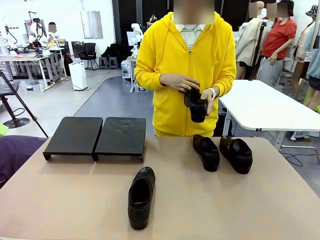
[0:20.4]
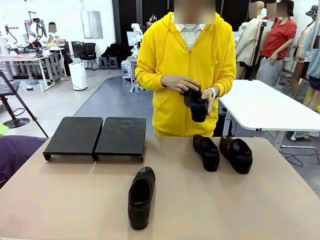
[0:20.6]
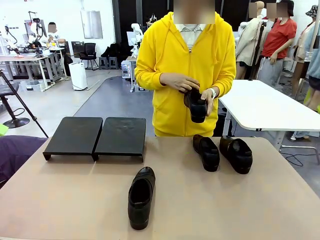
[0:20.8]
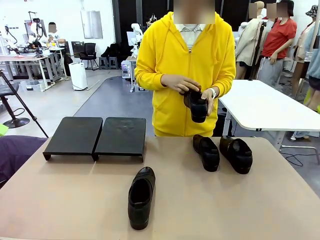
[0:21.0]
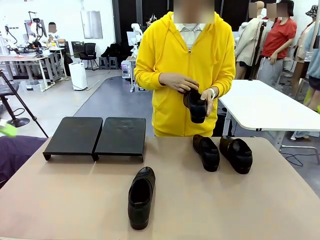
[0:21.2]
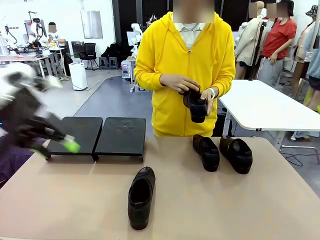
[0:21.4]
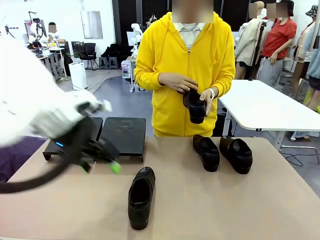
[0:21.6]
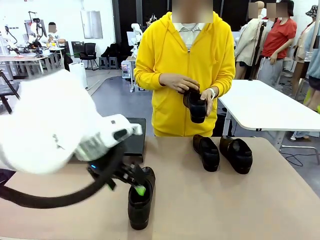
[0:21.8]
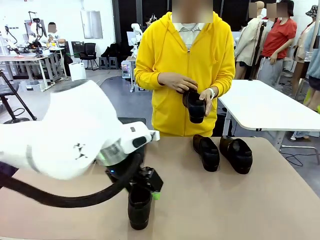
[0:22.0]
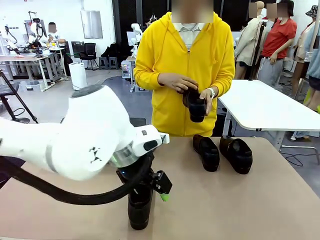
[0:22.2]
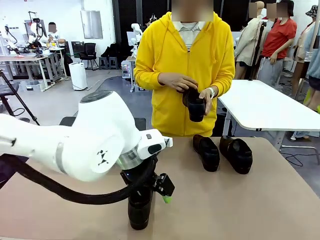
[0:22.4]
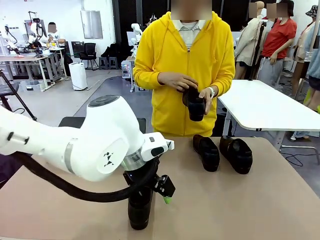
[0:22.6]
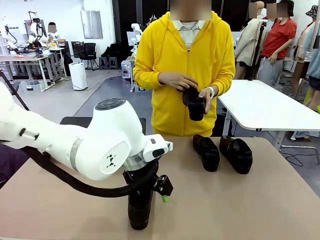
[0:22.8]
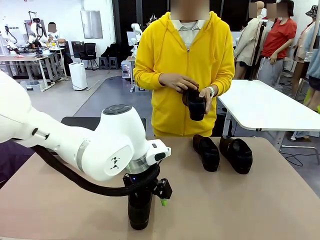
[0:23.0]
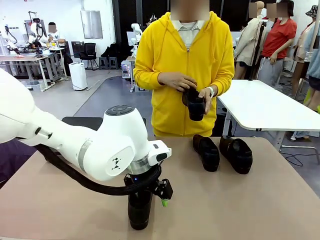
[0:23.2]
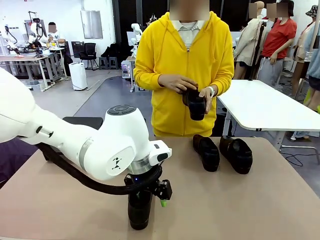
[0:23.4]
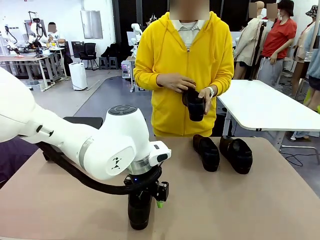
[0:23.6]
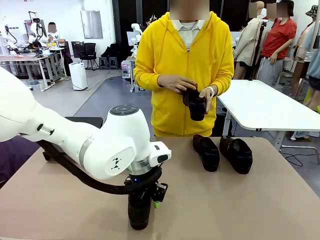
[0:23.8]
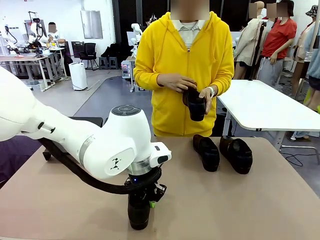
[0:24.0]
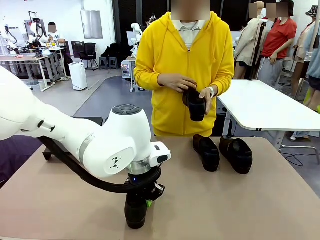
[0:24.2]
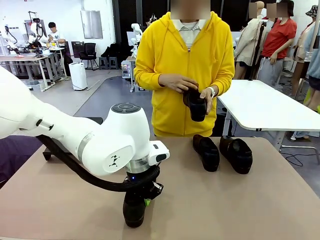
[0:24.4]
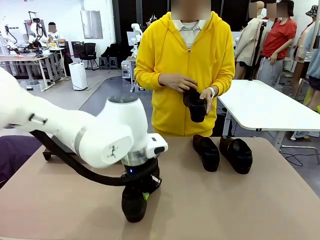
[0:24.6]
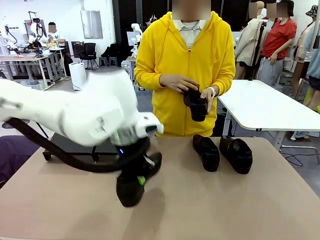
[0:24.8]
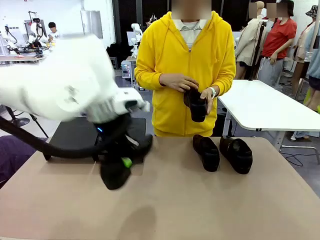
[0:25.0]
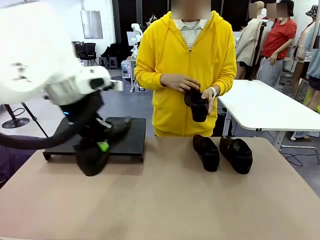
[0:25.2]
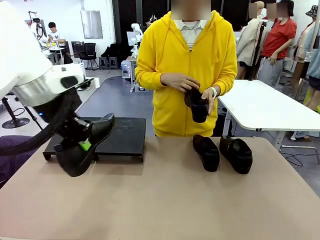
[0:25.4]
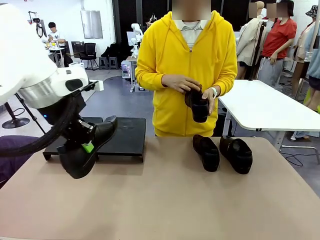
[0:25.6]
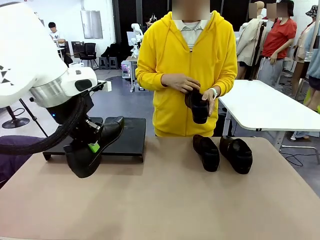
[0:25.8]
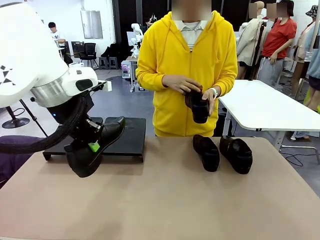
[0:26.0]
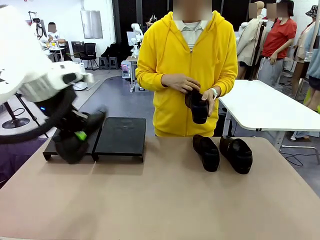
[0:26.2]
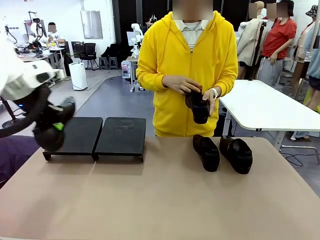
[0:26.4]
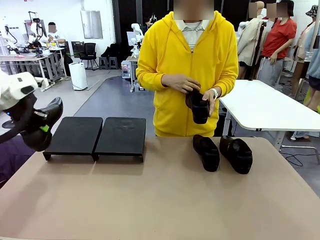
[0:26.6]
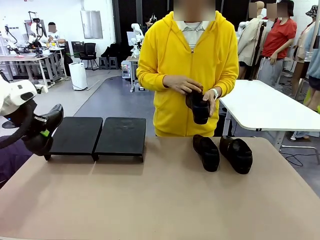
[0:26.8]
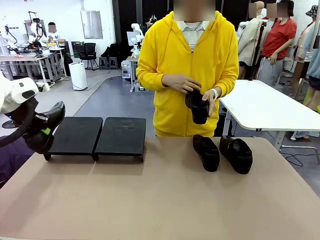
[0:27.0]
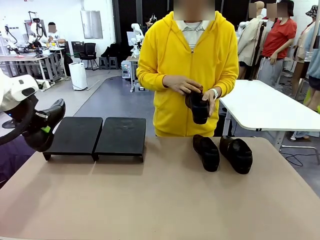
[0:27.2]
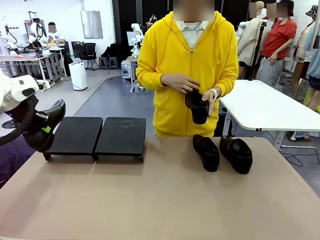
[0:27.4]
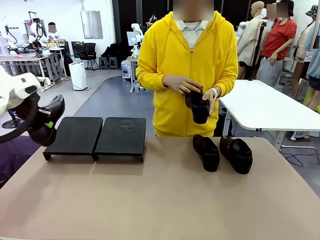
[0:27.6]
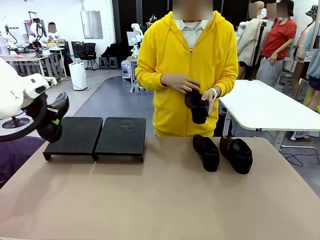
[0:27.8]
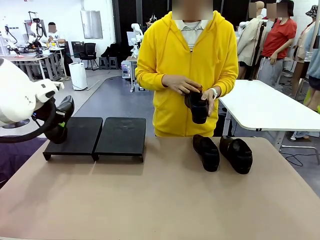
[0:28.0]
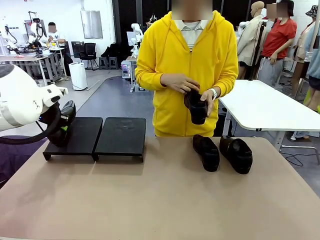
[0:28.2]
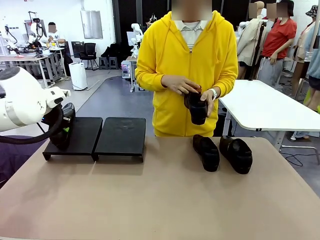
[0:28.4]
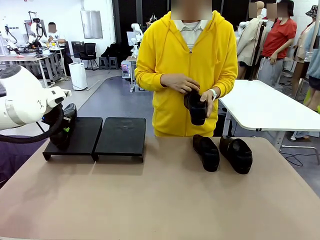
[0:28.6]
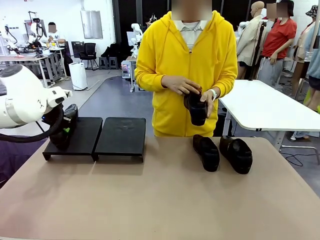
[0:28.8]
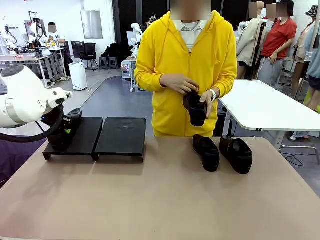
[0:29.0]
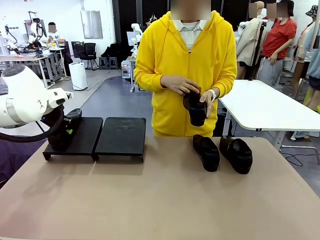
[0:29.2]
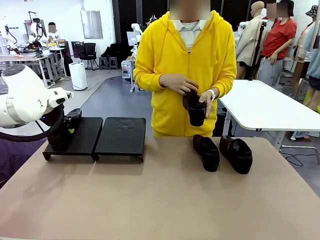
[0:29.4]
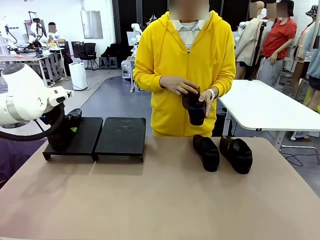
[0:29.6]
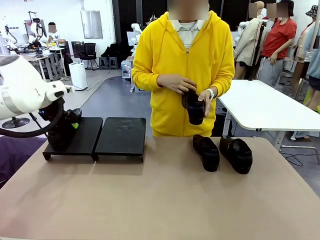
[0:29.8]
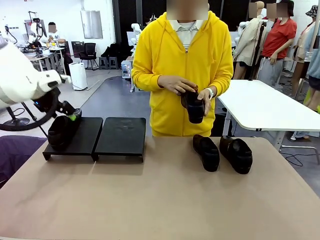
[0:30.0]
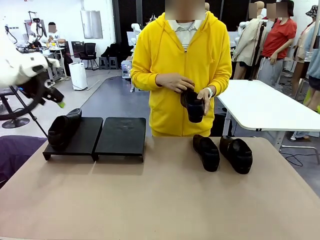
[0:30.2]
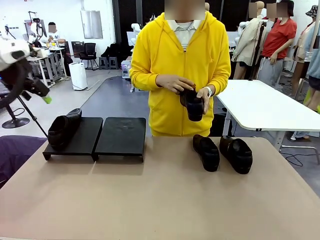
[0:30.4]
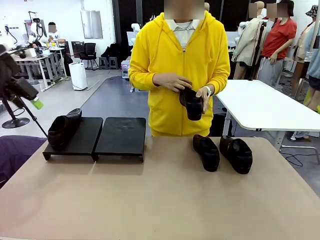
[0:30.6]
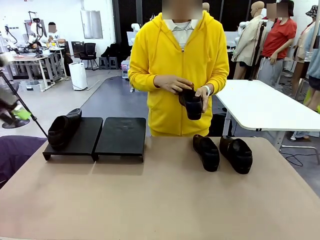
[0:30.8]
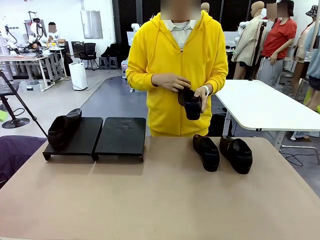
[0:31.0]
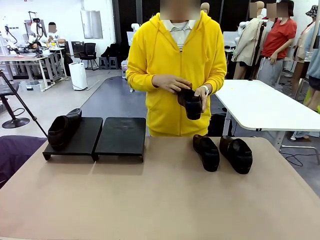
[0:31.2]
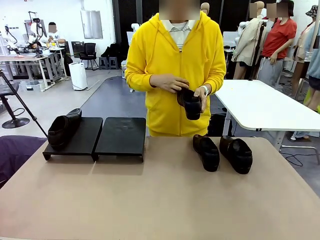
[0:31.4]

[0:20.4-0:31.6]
Task: Organize the shoes by placing them on the stand.
Robot: Place the Shoe from the middle of the table onto the Shoes Stand.
Person: Clean the Shoe with the Shoe Brush.

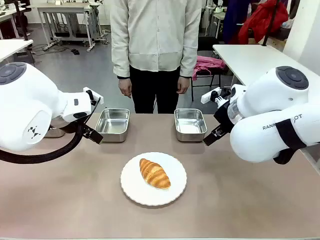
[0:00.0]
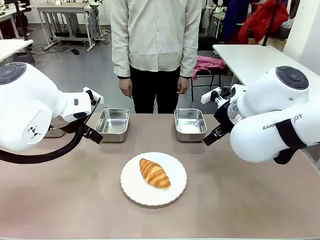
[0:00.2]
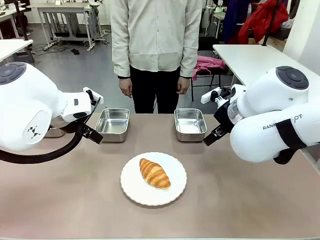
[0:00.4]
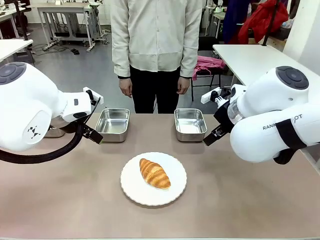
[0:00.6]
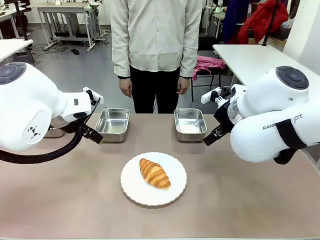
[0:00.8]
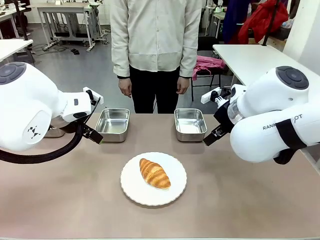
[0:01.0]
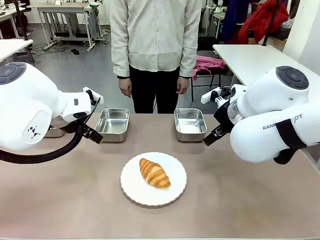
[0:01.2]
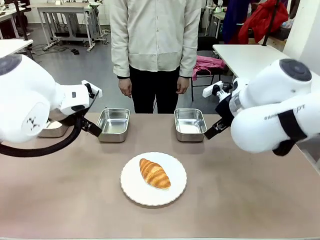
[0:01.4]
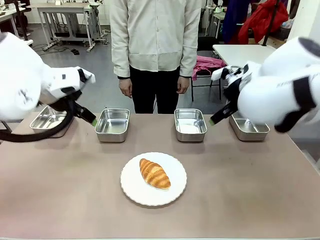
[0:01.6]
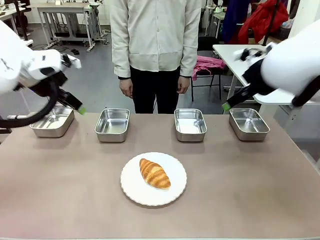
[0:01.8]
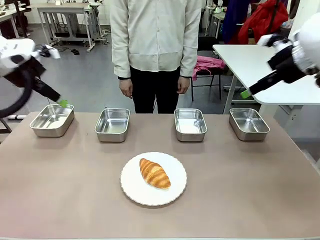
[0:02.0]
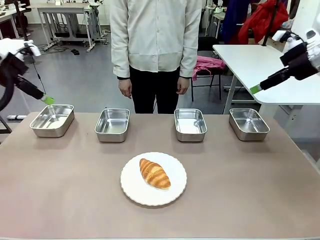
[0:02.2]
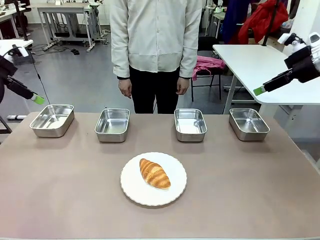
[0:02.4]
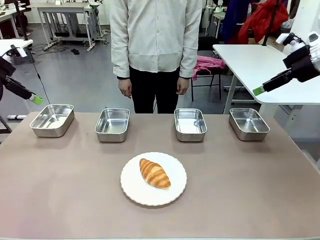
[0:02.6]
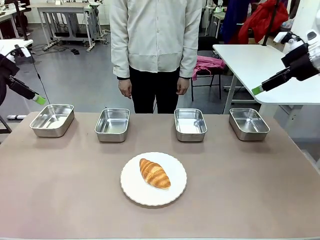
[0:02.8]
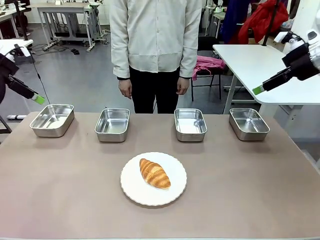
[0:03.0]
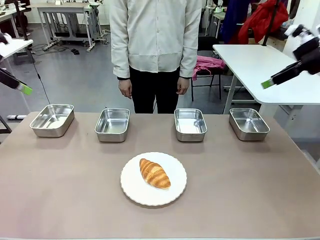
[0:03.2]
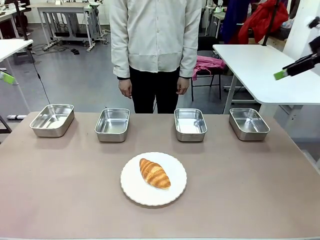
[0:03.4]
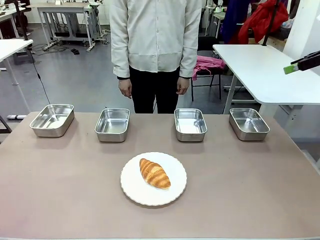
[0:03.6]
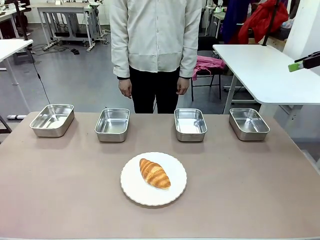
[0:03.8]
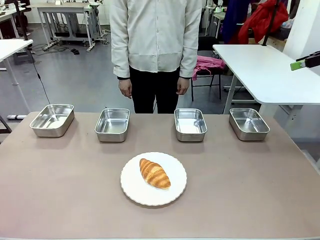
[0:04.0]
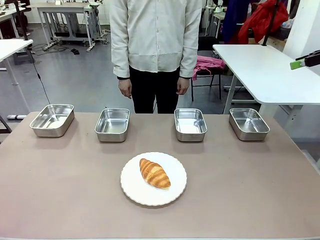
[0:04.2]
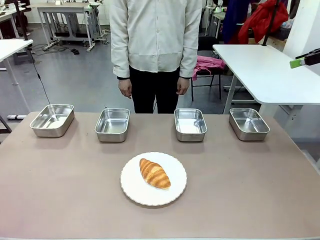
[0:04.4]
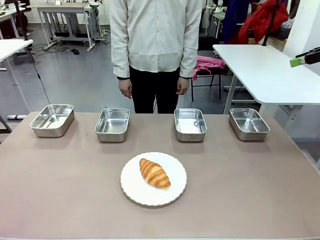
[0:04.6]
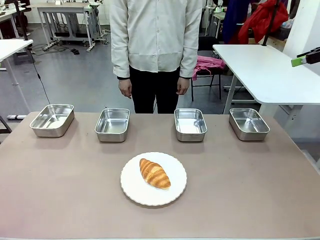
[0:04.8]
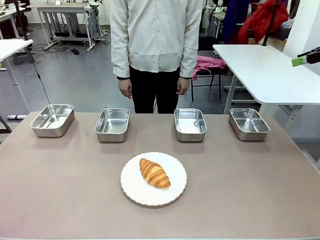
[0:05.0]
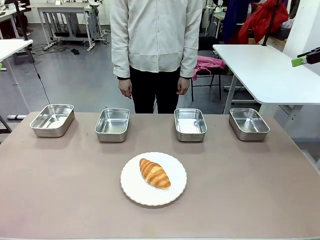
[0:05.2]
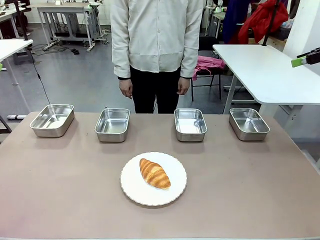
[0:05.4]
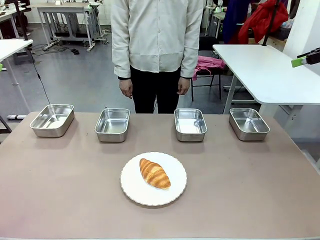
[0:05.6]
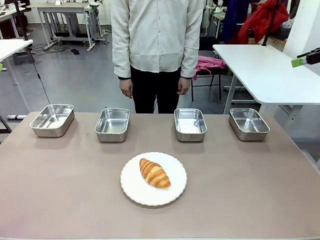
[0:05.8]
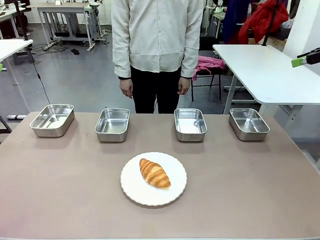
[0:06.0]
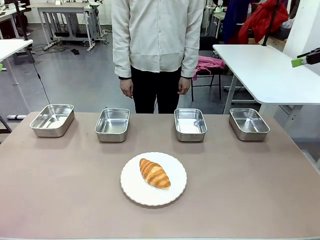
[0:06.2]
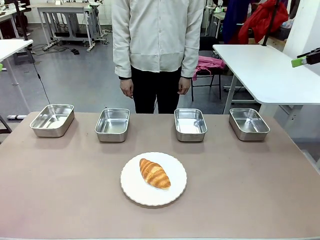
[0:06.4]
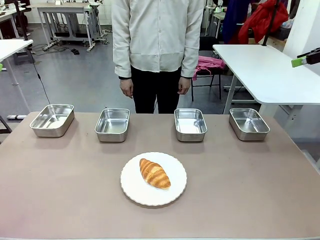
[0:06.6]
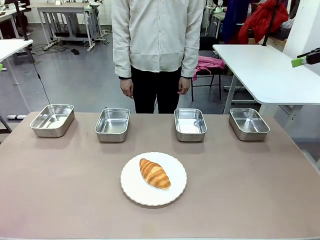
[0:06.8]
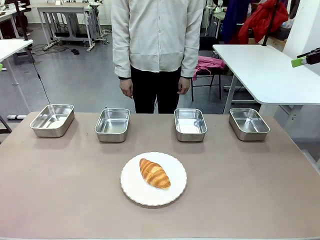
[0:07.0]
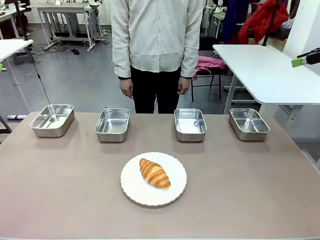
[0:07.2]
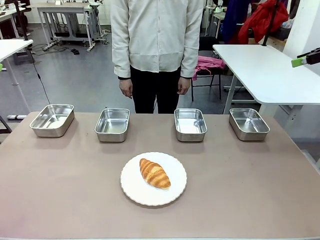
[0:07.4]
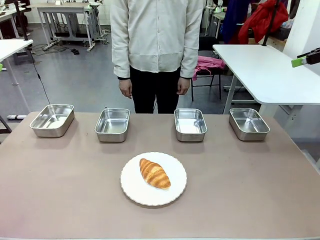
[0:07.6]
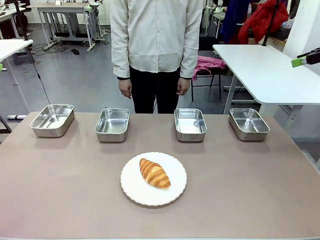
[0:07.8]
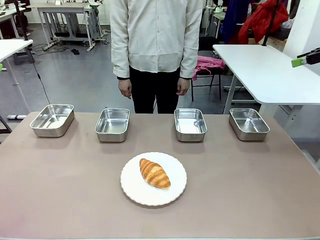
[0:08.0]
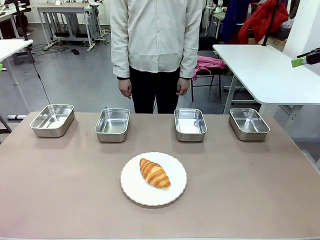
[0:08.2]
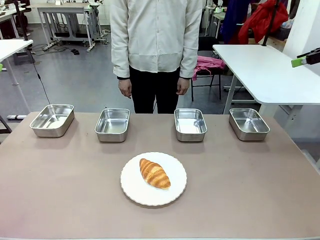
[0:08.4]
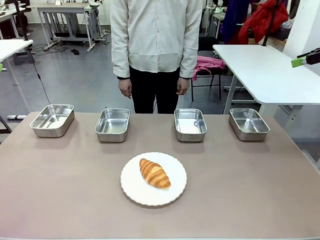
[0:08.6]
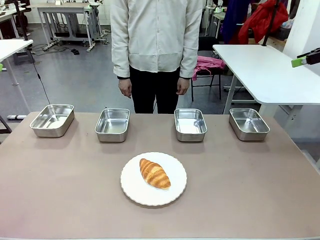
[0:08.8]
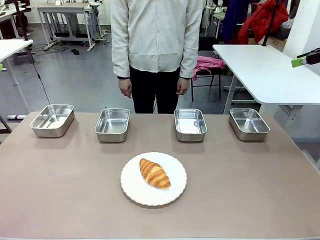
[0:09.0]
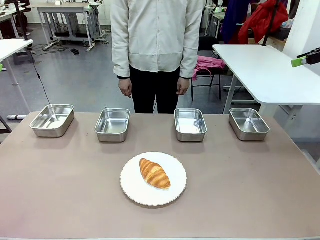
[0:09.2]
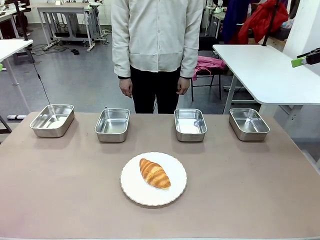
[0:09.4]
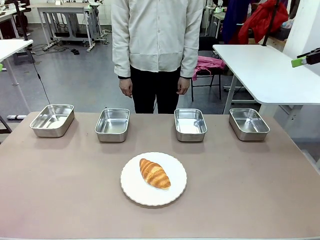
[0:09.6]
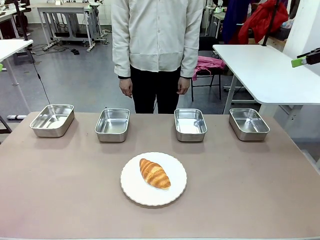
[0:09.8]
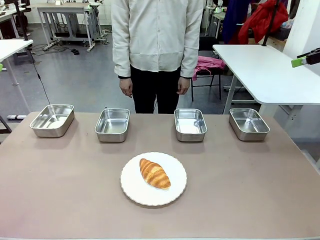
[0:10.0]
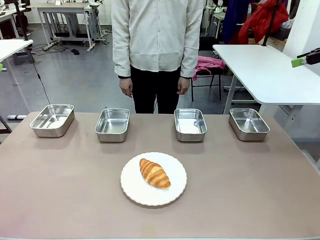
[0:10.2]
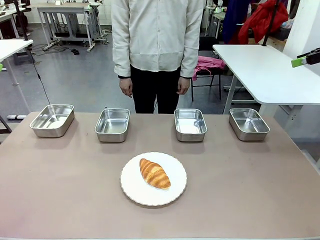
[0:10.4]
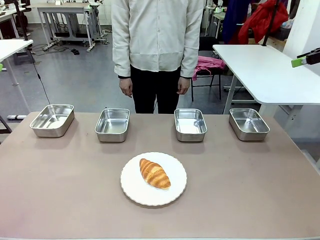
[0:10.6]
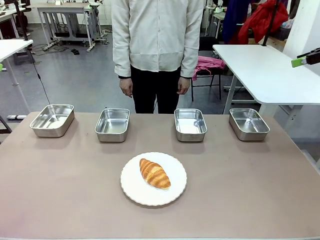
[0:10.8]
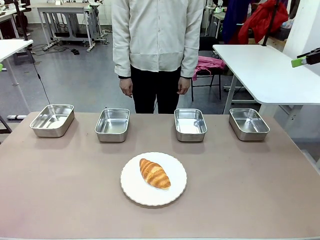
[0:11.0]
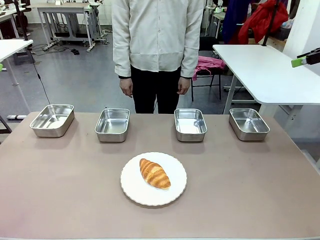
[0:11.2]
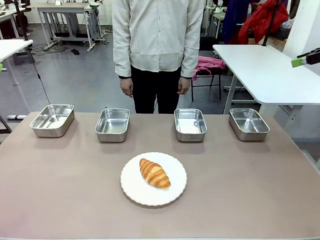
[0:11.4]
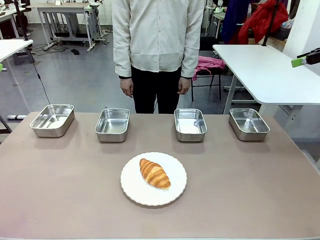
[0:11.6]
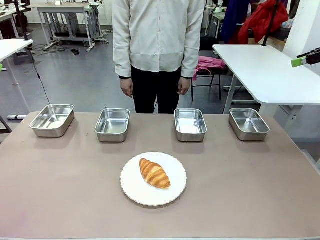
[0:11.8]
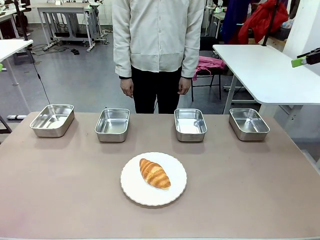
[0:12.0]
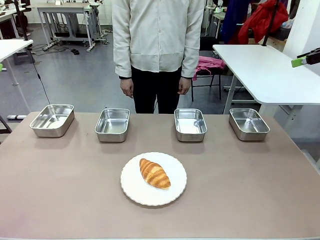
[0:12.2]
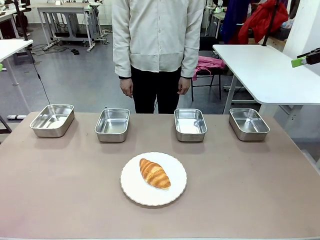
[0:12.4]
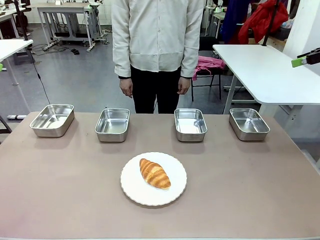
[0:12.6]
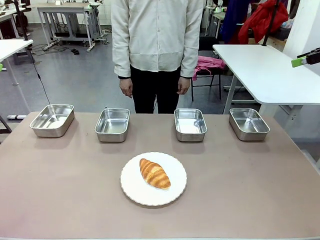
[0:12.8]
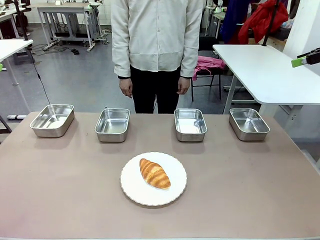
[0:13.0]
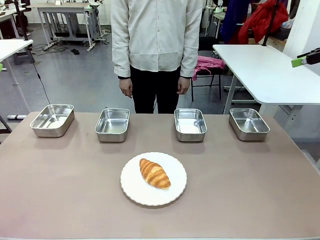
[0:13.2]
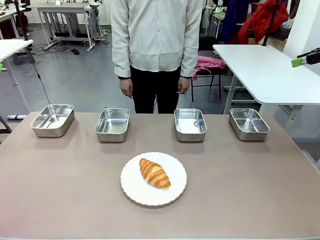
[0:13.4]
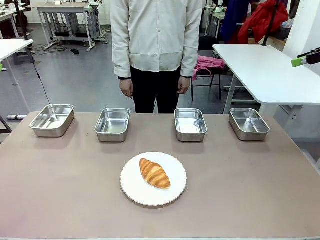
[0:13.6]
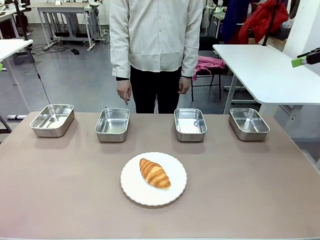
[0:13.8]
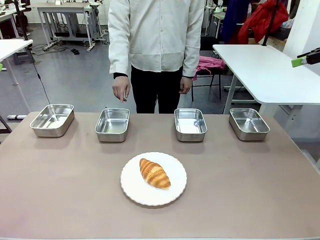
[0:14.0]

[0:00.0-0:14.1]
Task: Place the bread in the container.
Robot: Place the Butter Roll into the Airtight Container indicated by the human.
